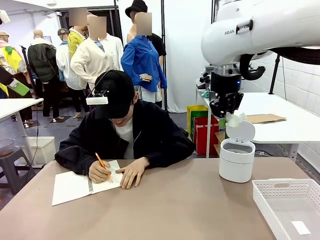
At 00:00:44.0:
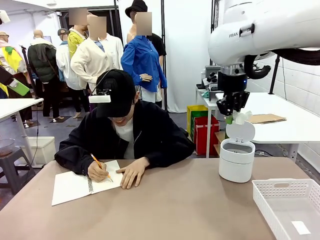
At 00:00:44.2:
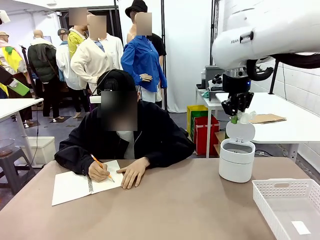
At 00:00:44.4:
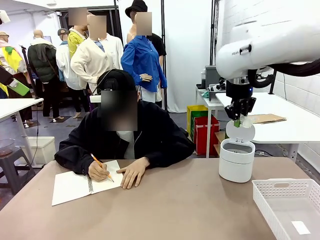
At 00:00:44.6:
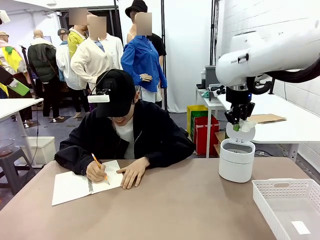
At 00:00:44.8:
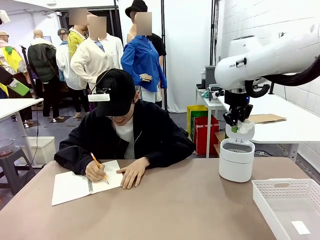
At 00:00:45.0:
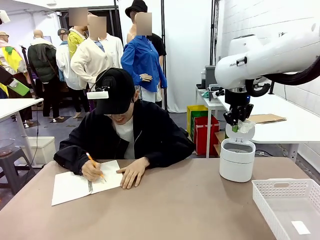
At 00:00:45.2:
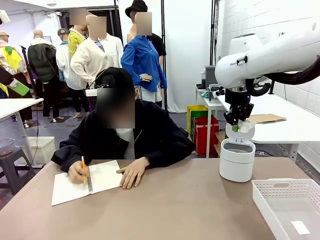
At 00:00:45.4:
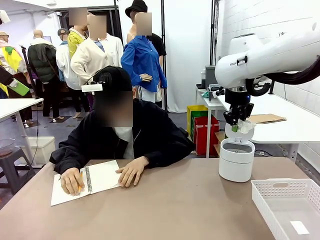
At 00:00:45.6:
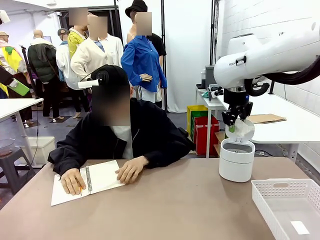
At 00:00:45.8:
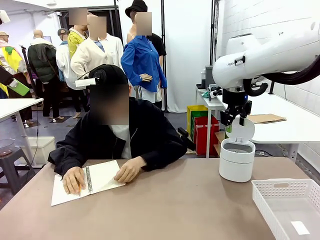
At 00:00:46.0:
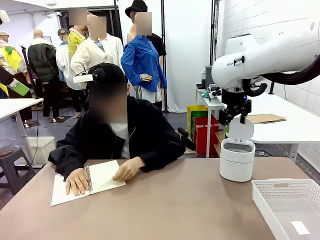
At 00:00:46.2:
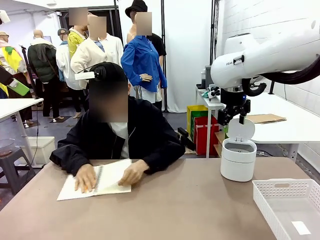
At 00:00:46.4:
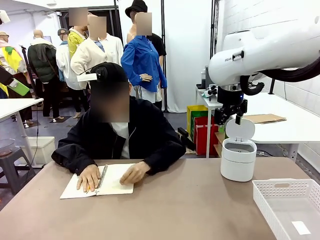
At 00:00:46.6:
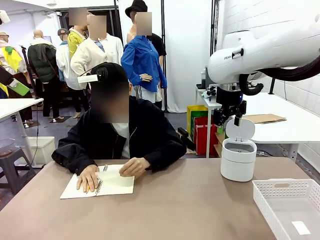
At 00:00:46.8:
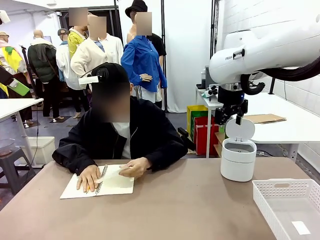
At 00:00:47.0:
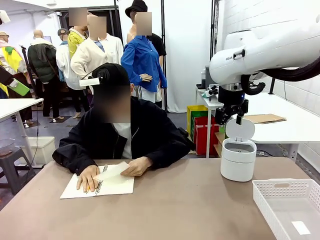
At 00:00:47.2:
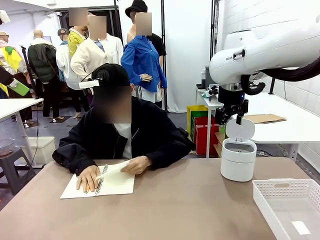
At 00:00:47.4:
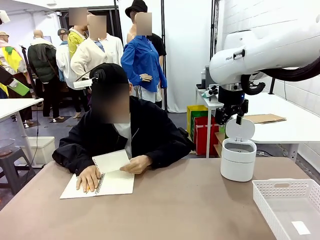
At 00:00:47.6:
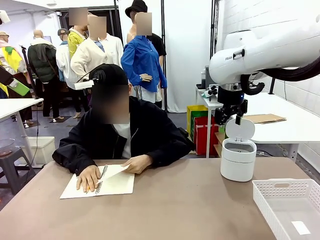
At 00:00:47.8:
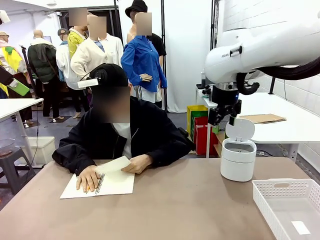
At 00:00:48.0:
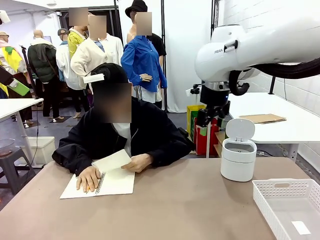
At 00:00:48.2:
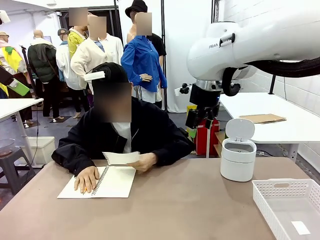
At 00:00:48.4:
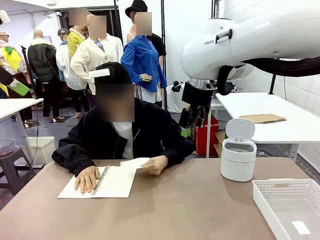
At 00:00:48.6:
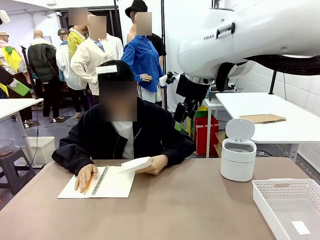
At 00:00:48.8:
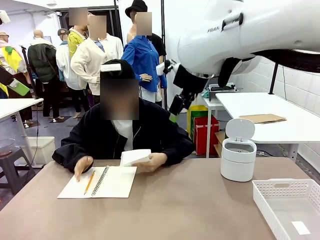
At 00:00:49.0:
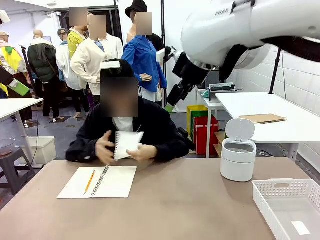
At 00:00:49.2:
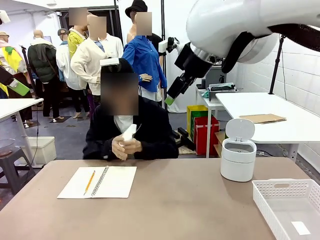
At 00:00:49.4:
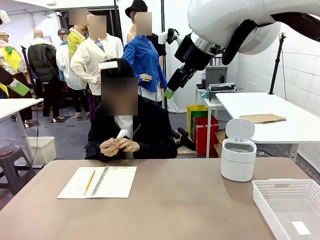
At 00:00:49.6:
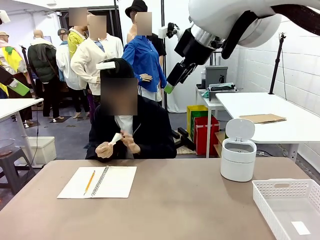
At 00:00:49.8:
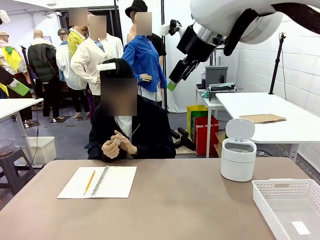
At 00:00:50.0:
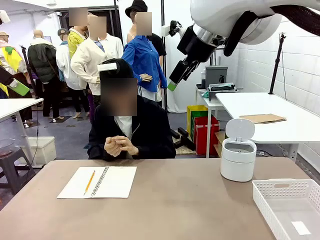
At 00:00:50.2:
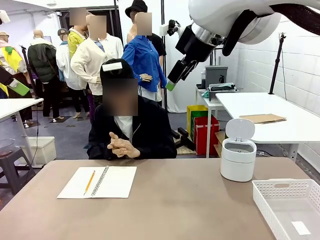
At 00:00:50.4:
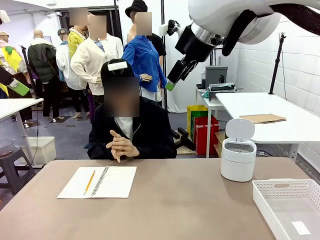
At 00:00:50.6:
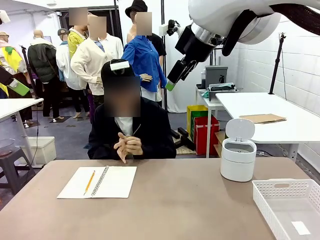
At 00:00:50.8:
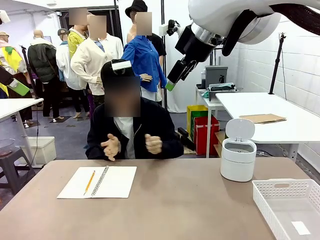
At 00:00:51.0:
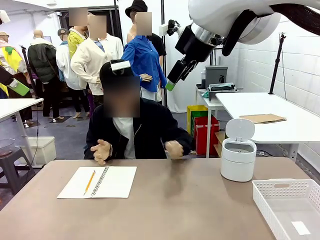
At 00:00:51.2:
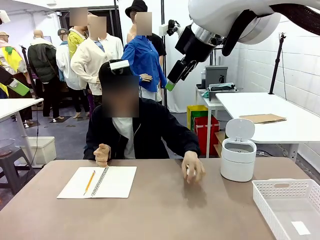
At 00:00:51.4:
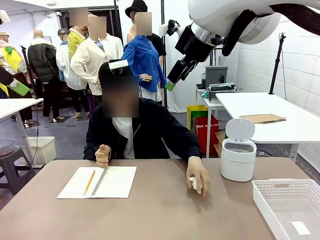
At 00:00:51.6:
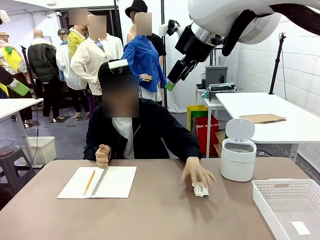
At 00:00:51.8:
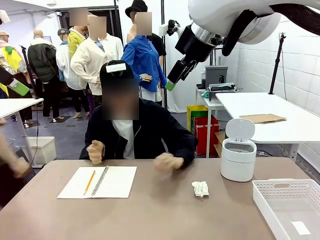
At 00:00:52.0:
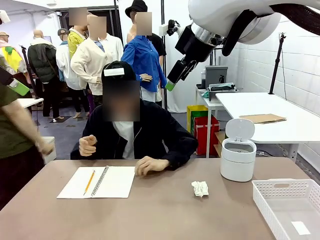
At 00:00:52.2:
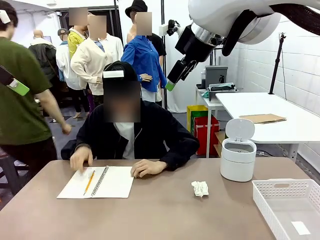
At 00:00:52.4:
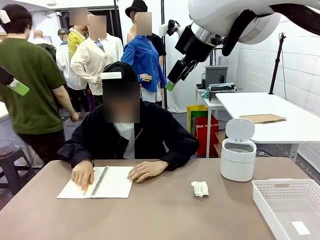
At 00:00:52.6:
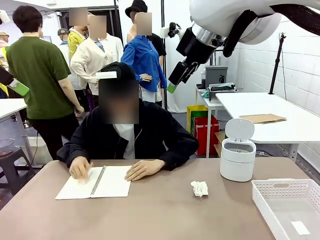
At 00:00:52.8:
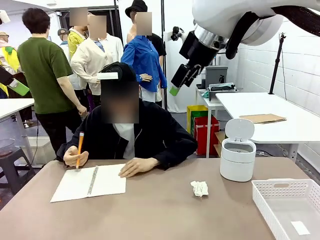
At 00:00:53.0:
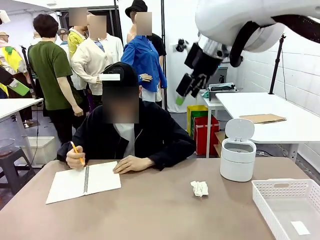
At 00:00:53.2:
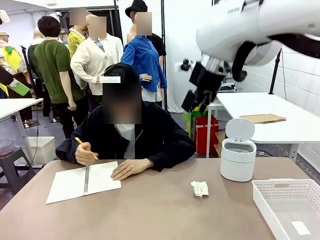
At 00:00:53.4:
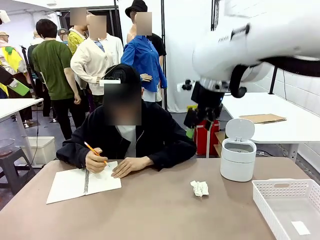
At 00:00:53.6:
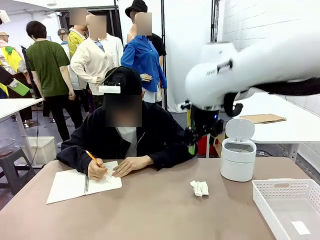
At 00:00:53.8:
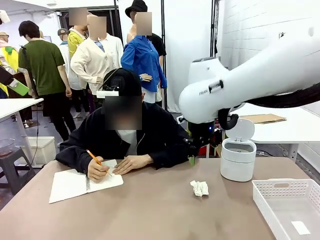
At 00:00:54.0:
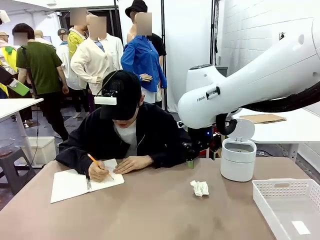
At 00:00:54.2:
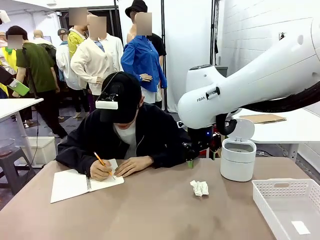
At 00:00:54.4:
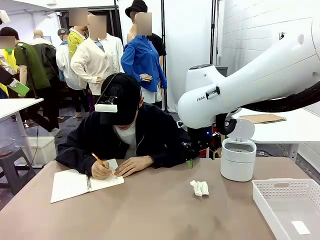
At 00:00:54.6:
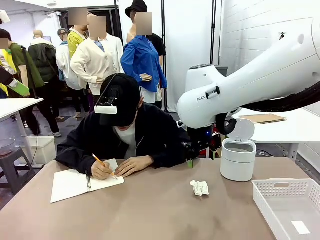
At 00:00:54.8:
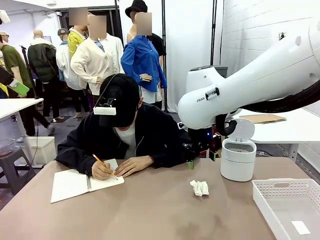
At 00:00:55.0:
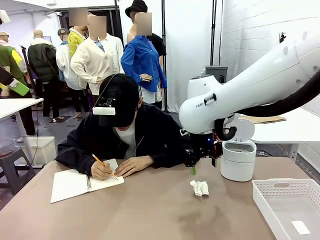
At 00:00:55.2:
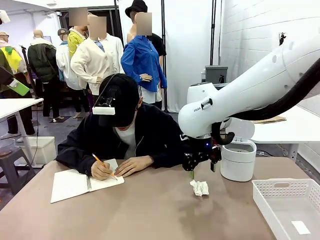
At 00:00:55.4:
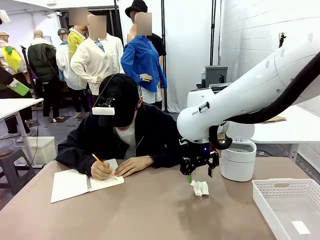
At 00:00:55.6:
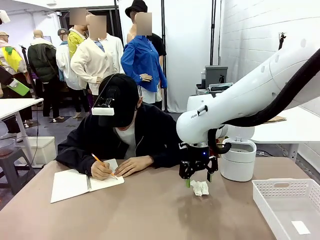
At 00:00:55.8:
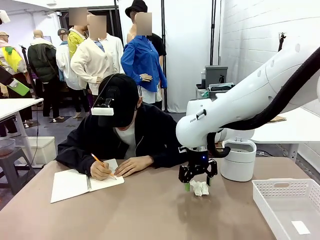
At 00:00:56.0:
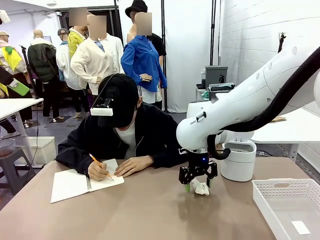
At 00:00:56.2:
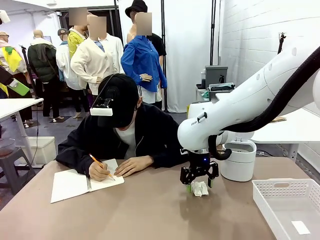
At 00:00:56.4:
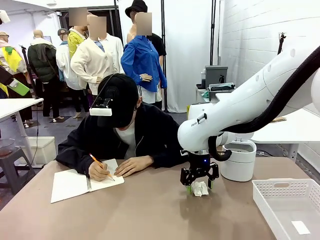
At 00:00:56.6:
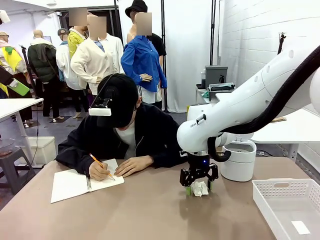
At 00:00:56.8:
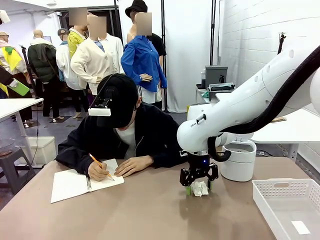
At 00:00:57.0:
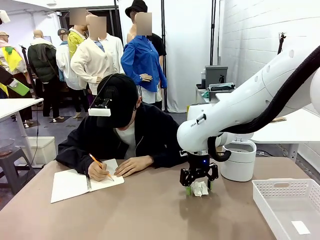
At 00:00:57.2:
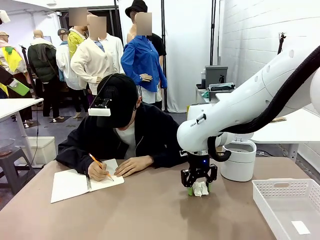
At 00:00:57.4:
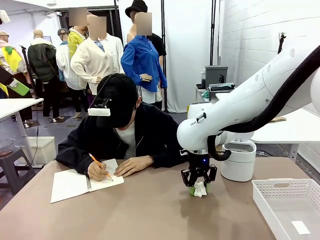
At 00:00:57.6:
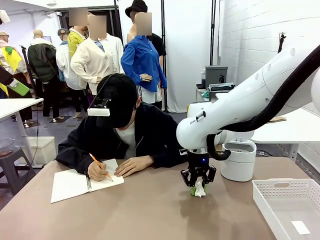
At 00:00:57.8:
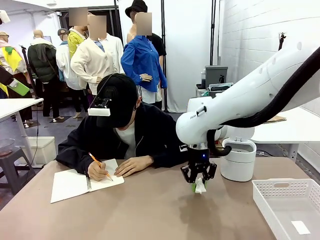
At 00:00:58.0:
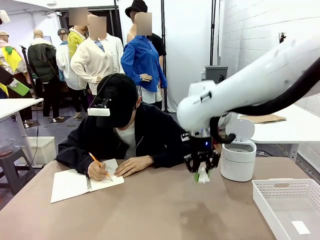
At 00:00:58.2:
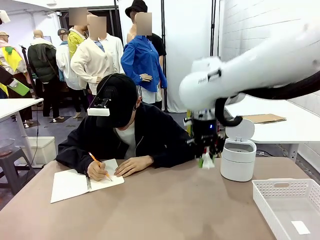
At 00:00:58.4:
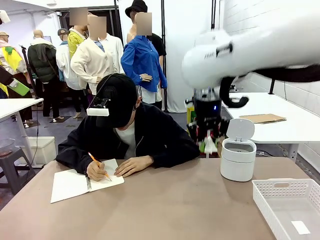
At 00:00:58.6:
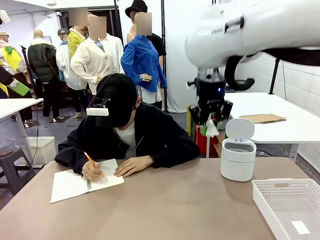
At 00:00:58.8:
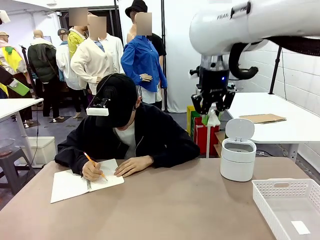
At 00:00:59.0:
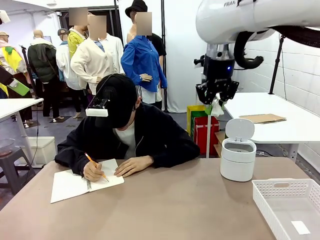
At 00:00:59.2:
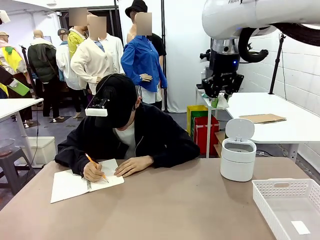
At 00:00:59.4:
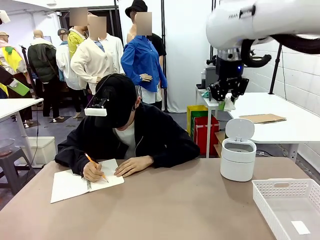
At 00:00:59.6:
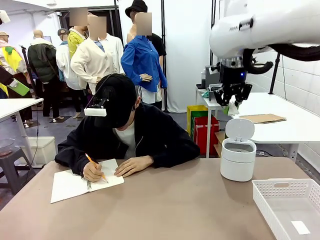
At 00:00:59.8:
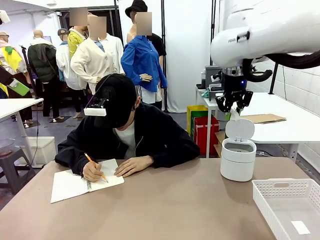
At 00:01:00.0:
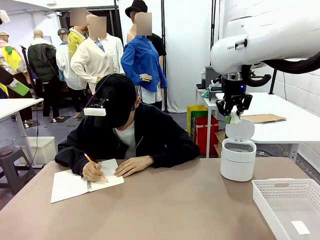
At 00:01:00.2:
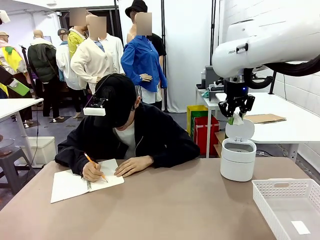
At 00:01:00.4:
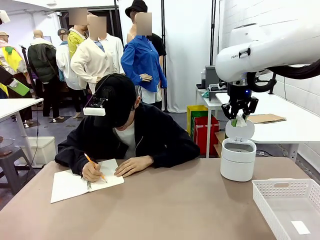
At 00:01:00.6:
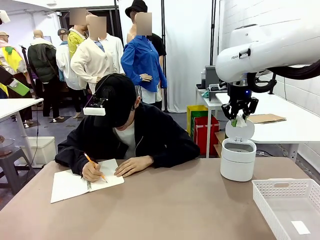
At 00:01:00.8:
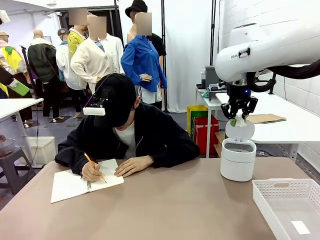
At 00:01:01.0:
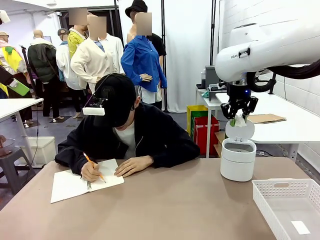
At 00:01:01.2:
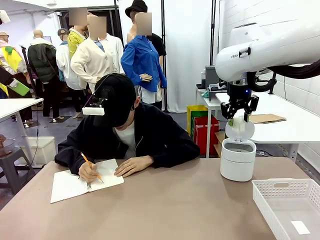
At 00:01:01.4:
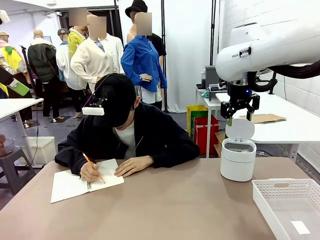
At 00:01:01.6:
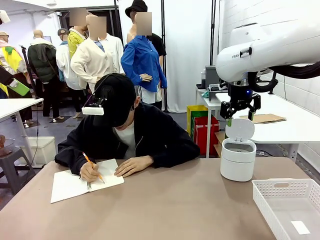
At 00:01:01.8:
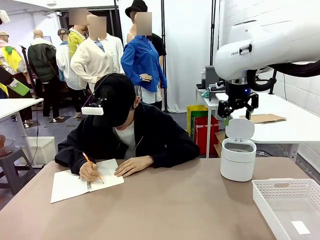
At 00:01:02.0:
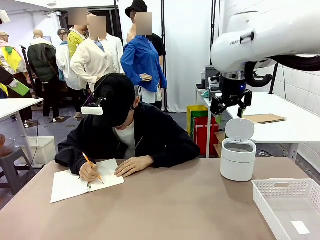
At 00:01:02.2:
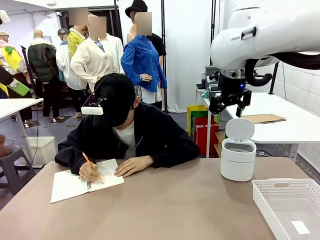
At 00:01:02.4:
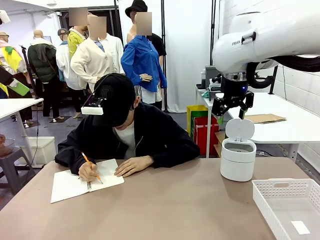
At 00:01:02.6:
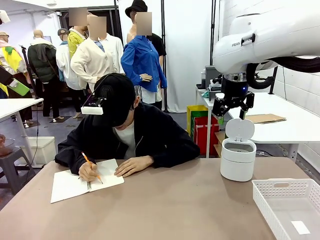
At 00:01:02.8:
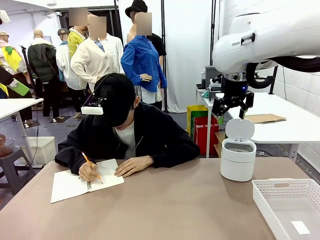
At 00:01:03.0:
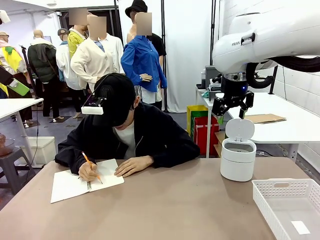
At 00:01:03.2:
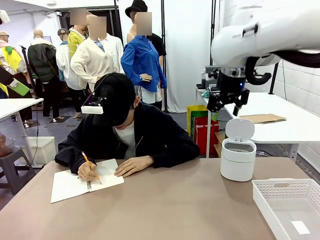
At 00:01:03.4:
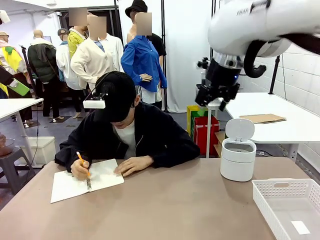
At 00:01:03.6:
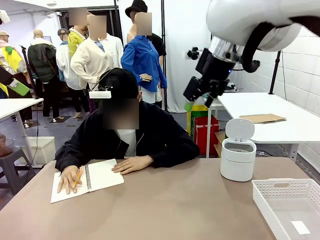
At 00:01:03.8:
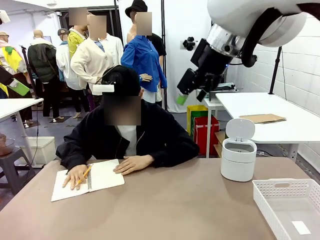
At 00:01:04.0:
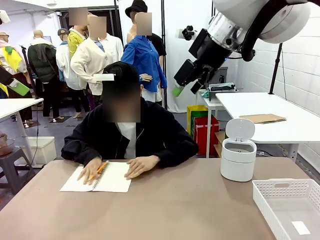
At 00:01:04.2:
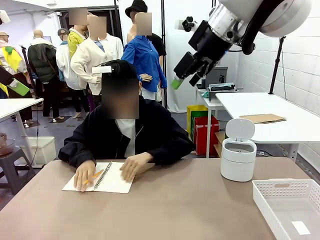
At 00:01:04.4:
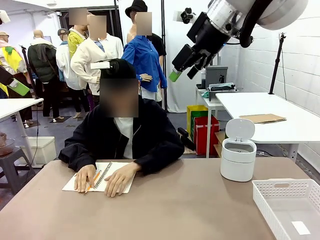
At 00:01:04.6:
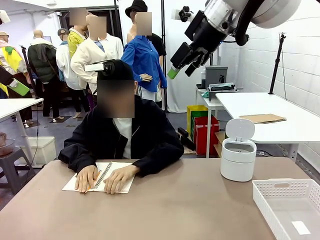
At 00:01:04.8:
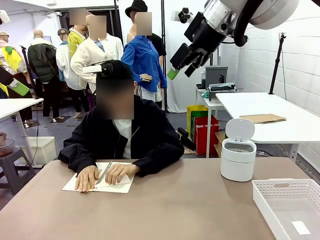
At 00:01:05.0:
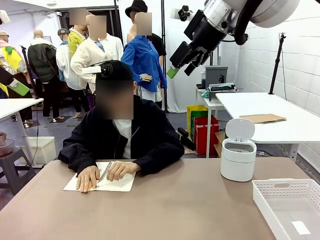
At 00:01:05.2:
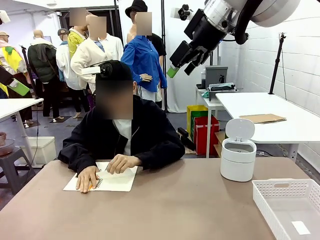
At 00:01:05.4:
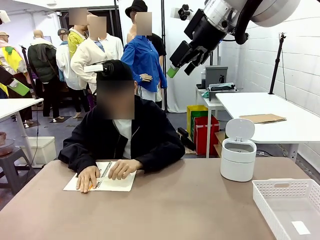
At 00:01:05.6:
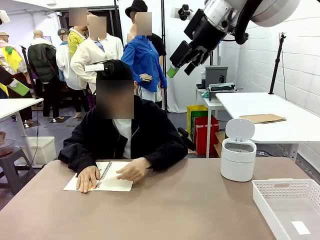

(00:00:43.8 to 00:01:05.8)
Task: Sort the paper based on its condition.
Robot: If a person hands you a paper, place it in the Organizing basket , and if it's crumpled, put it in the Trash can.
Person: Hand the torn page to the robot or crumple it and throw it to the center of the table.
